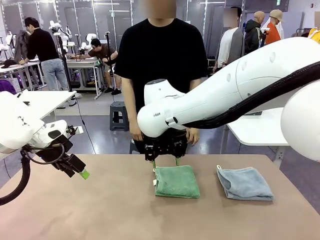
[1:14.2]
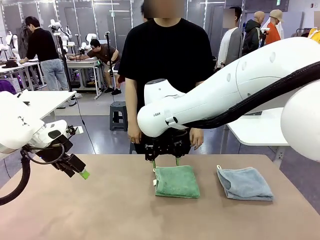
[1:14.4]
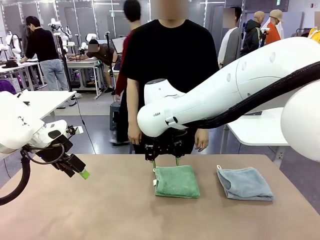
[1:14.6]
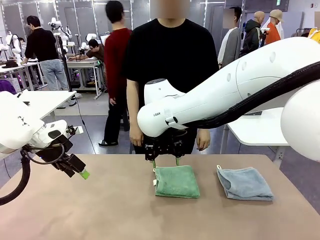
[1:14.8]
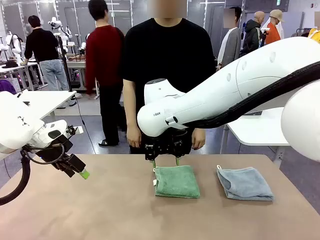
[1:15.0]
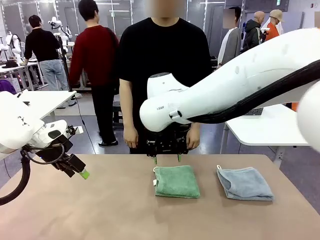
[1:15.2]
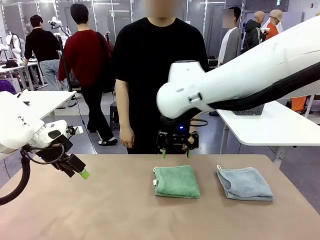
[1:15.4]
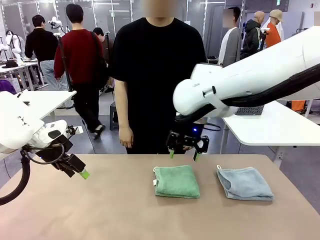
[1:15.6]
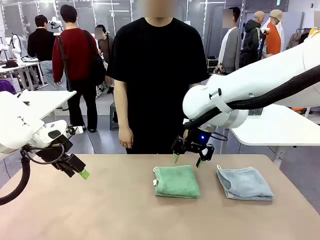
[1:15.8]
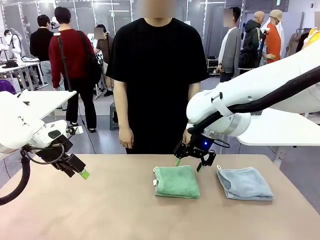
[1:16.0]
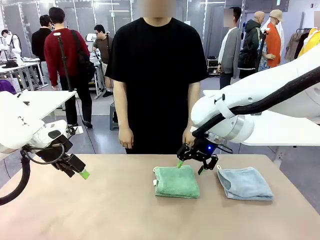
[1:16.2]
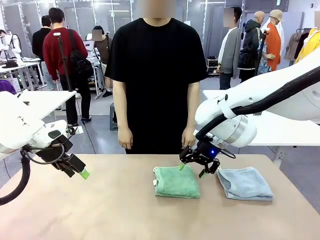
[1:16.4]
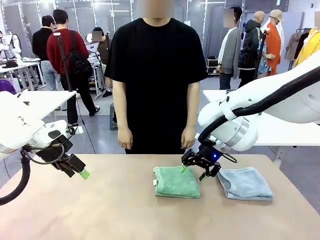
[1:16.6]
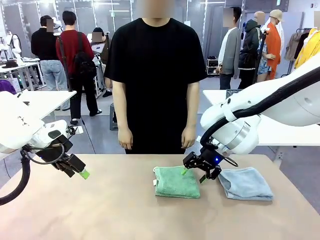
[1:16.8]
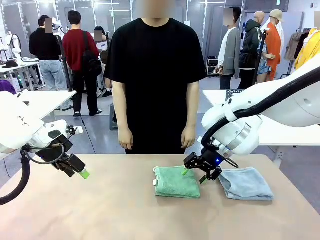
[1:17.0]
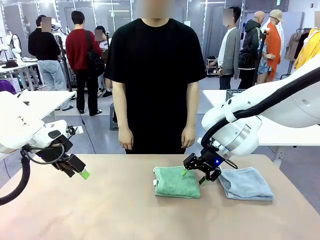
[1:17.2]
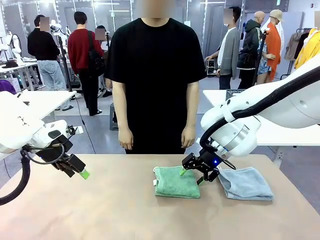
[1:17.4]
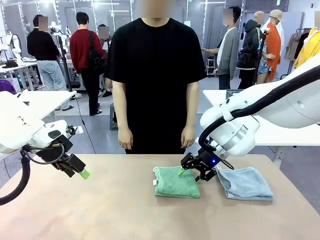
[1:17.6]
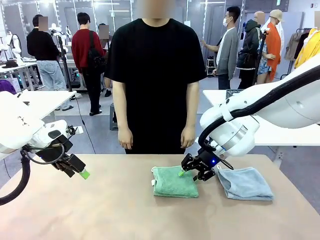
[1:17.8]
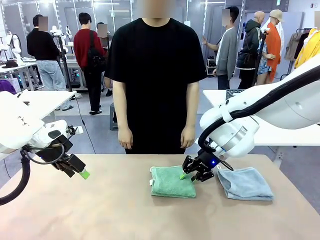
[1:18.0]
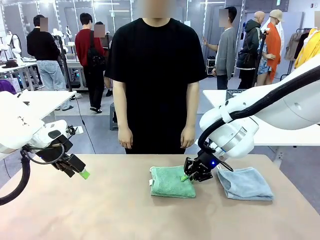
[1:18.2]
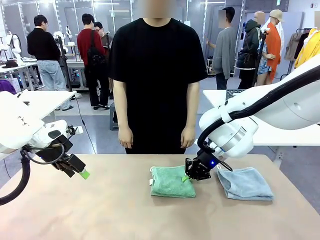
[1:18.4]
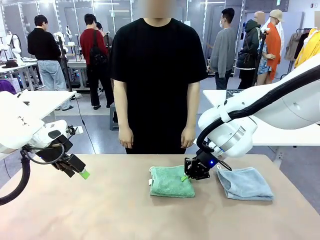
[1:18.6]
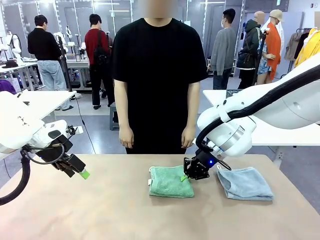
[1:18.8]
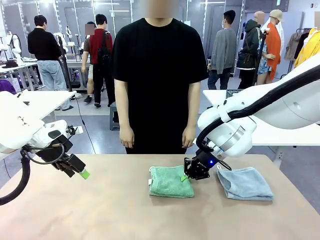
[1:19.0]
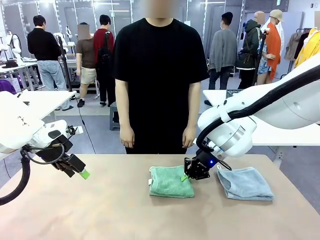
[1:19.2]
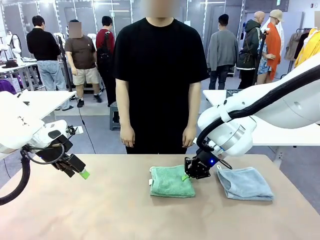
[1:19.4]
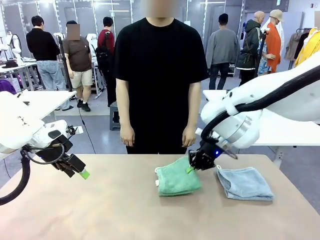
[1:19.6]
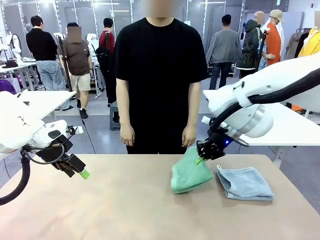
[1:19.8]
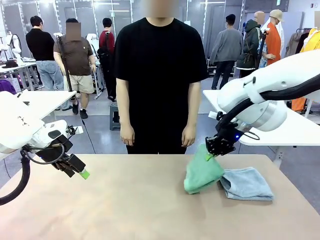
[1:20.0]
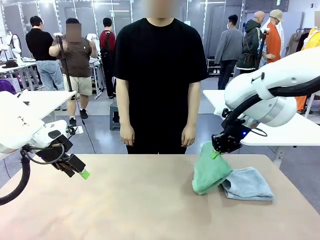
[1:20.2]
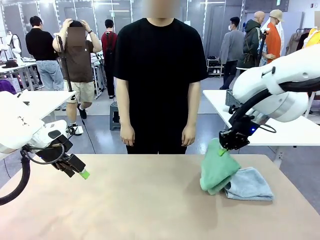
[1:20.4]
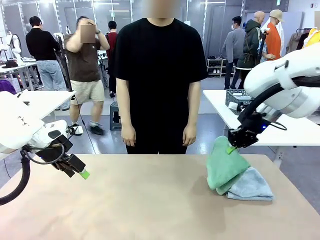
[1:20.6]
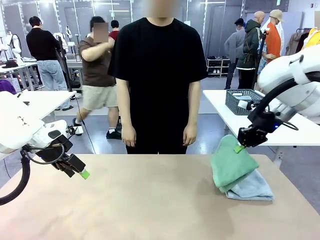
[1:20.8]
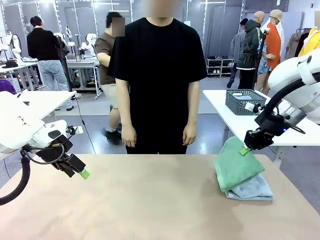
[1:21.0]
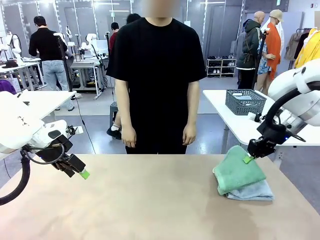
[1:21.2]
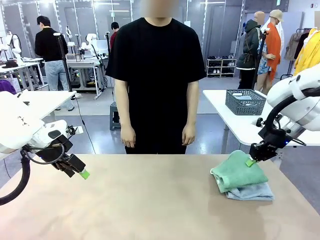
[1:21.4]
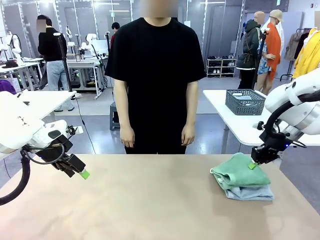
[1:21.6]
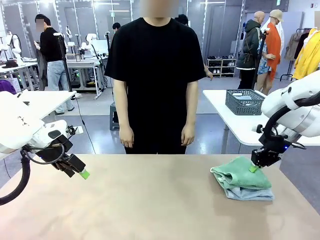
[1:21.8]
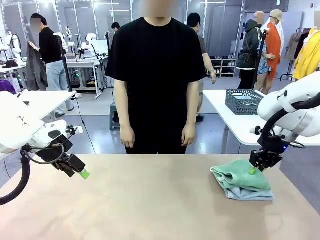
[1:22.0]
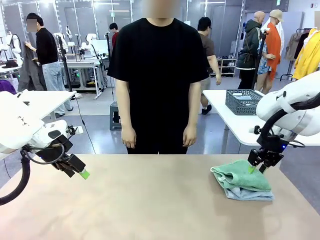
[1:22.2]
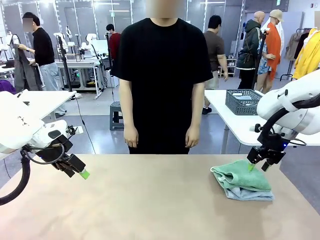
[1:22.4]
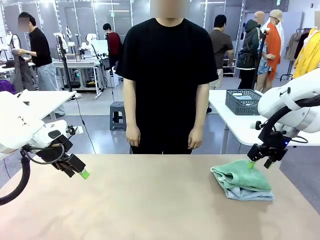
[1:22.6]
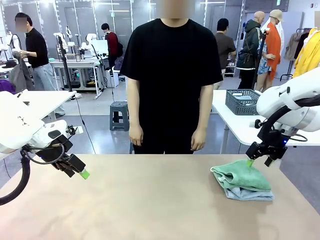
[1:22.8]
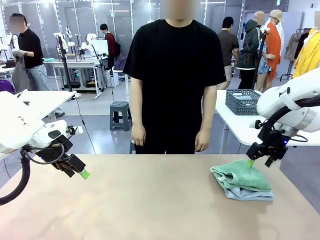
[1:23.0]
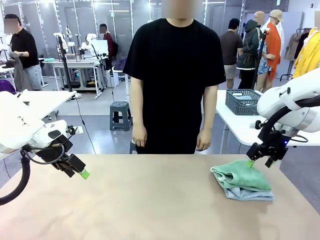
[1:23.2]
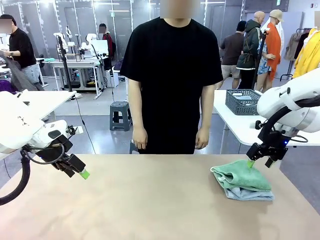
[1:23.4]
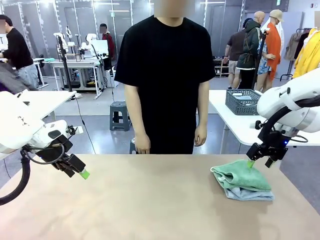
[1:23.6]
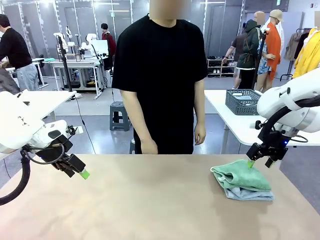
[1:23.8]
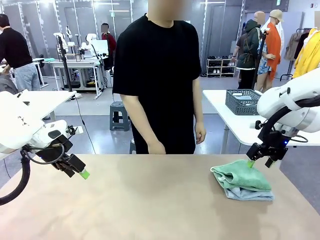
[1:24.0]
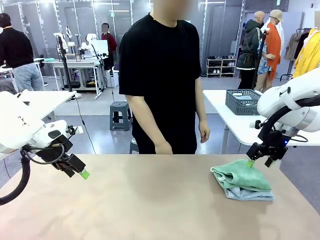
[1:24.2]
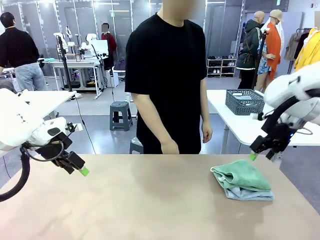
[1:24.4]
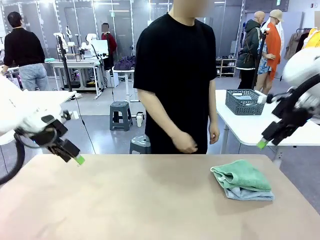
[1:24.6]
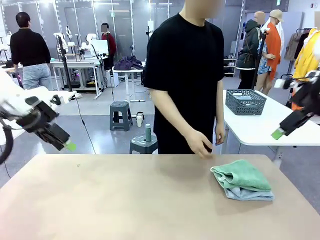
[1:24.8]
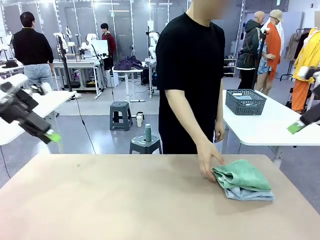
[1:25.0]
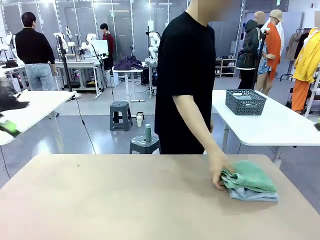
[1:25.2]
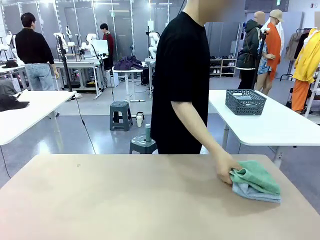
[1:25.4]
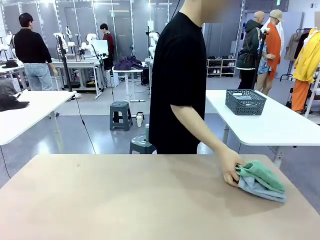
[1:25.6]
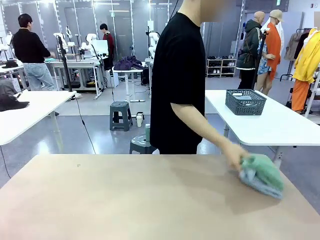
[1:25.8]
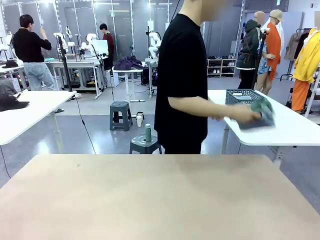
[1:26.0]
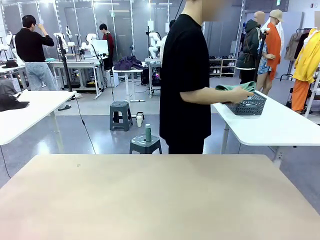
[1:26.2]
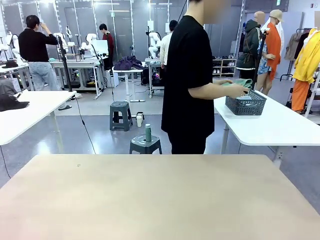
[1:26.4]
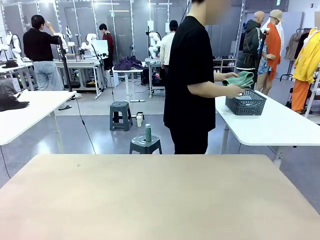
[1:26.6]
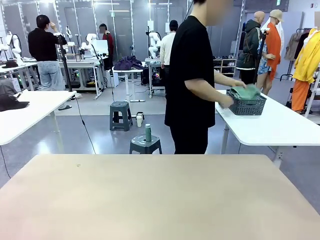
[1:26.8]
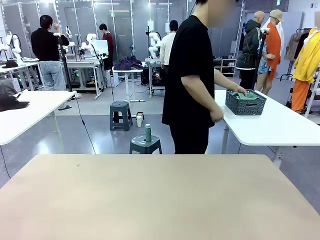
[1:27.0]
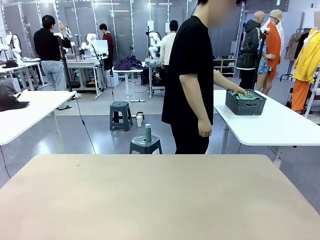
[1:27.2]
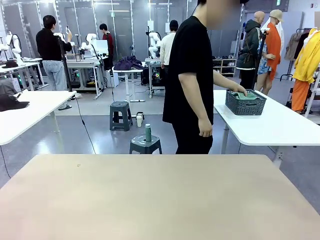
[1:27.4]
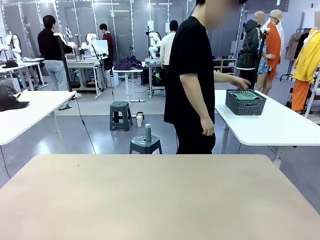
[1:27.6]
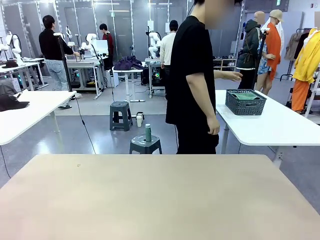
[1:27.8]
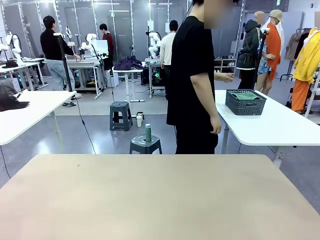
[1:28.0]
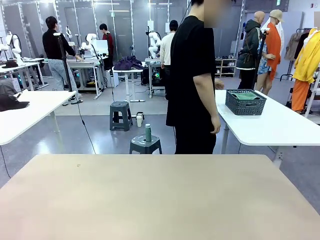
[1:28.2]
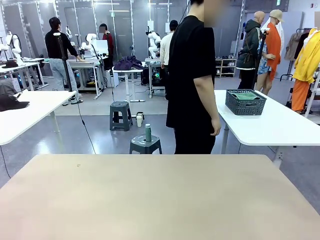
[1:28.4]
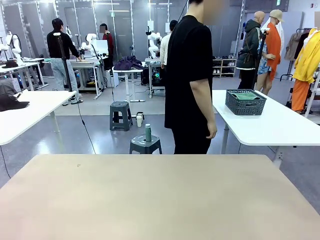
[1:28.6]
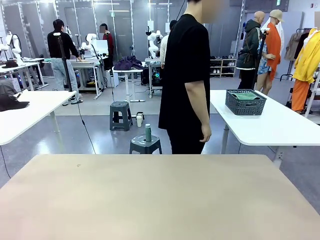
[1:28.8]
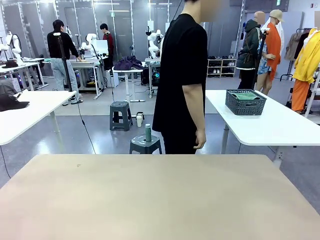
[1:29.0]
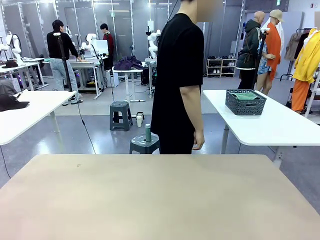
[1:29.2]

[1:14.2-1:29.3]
Task: Fold the towels and place them in the basket.
Robot: Stack the folded Towel with hook on the right side of the table.
Person: Pick up the stack of towels from the robot table and place it into the basket.
